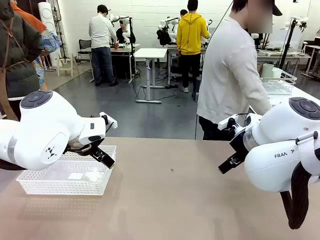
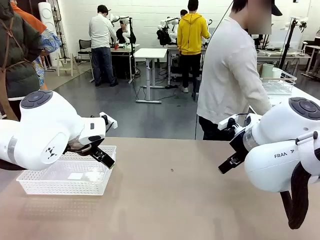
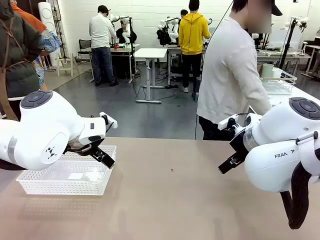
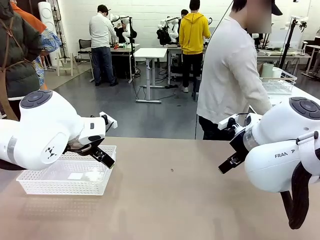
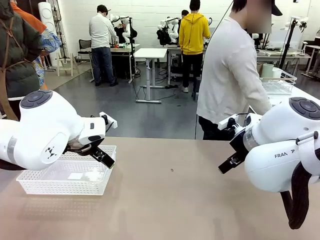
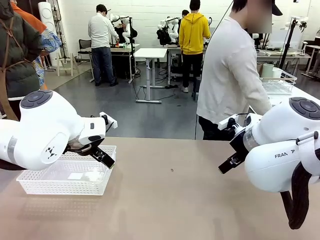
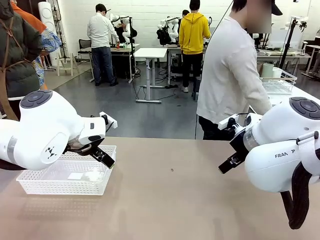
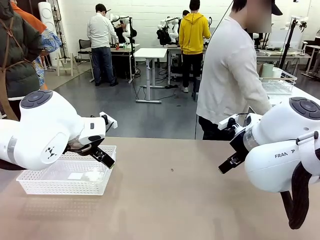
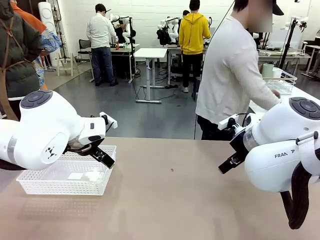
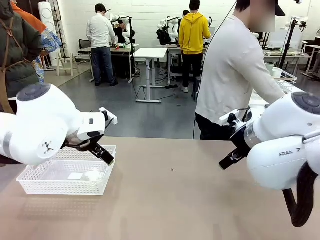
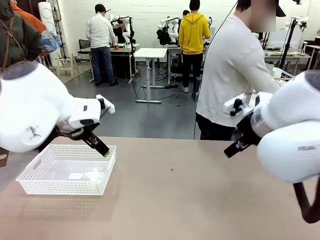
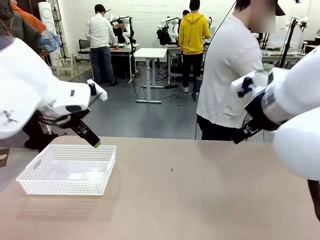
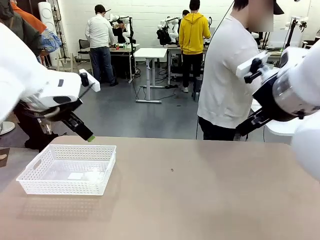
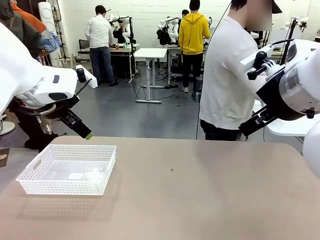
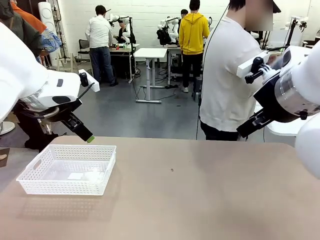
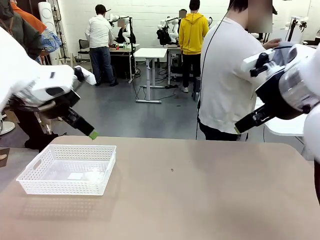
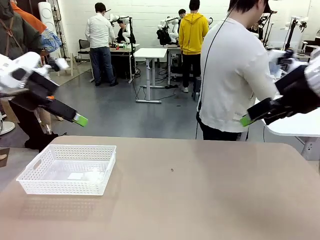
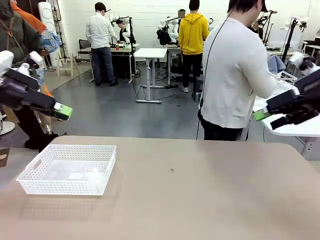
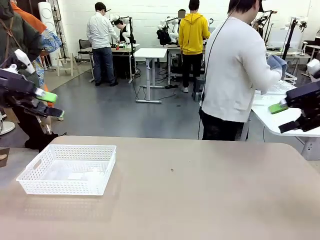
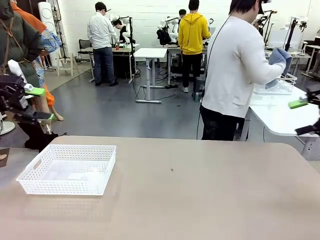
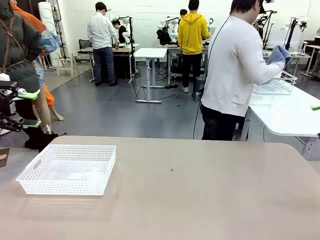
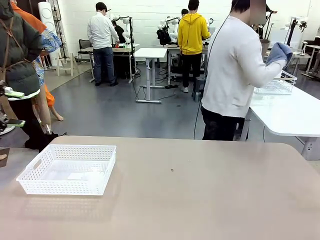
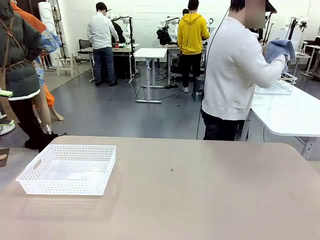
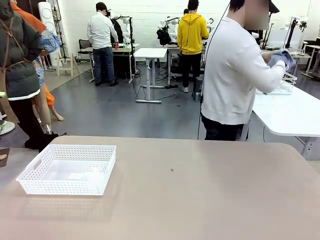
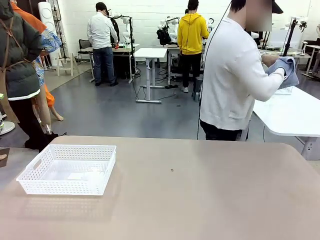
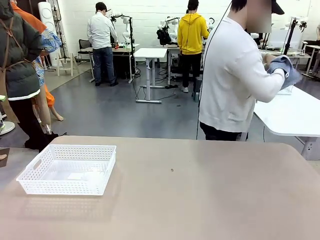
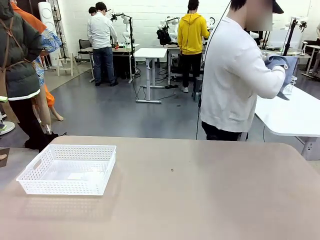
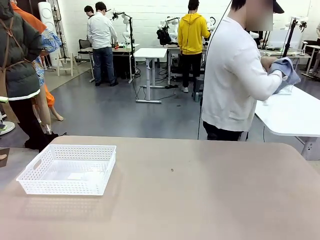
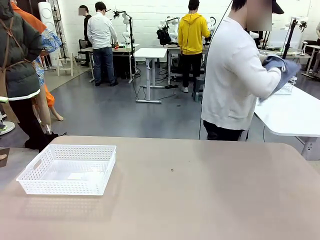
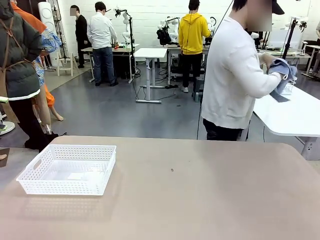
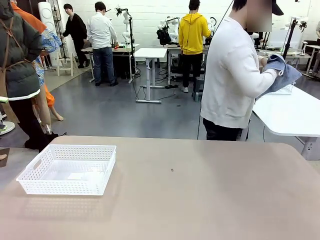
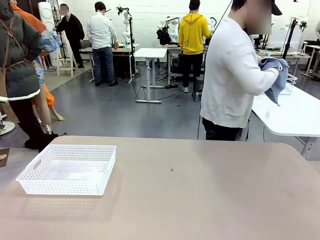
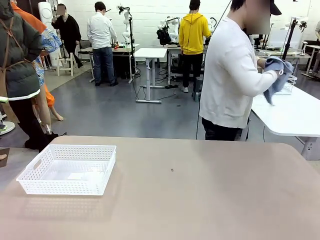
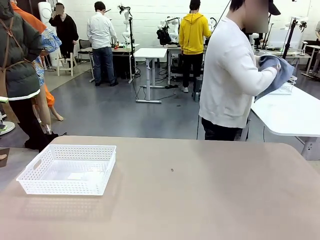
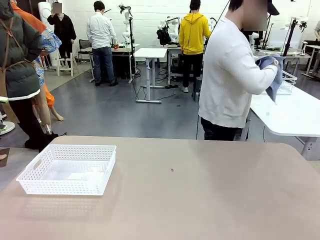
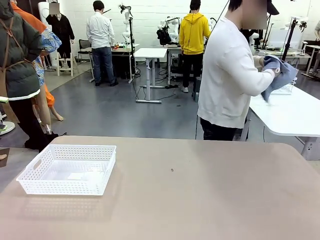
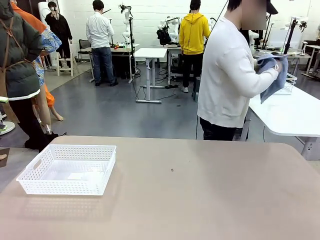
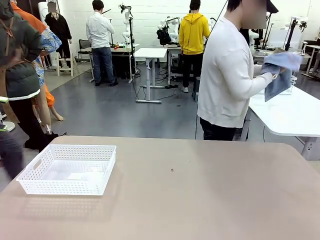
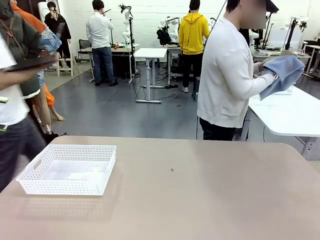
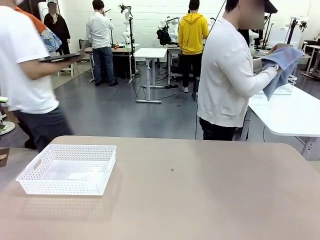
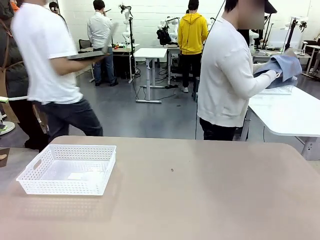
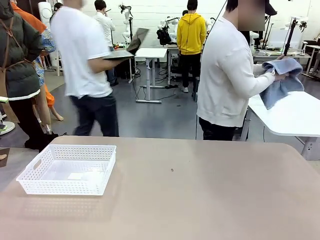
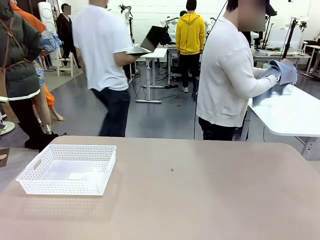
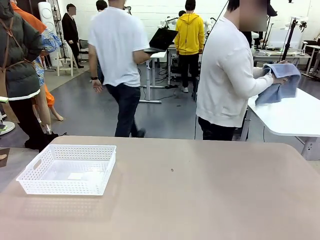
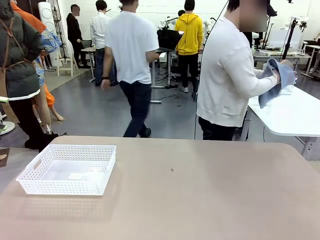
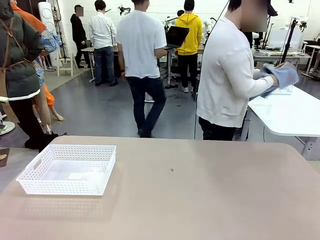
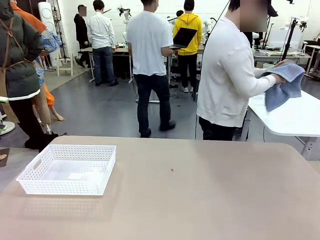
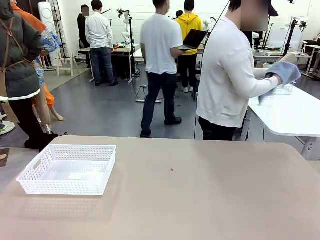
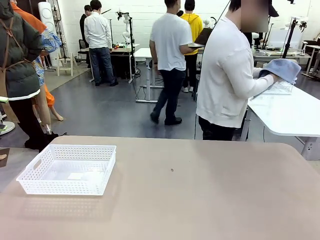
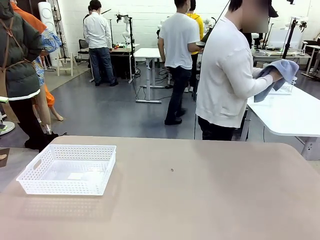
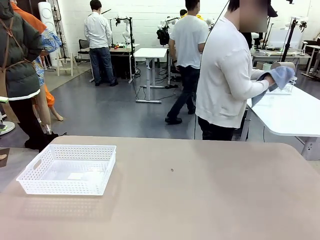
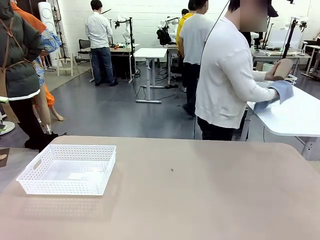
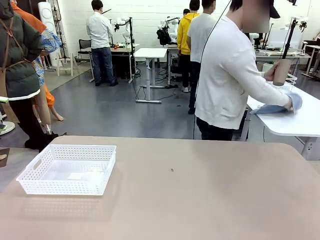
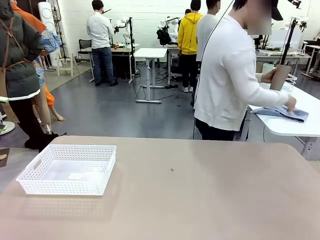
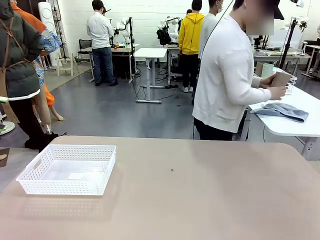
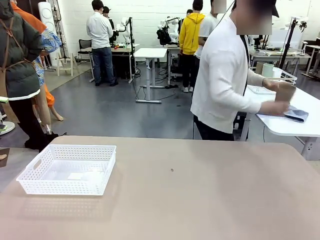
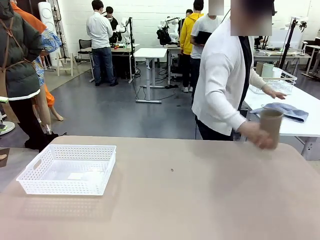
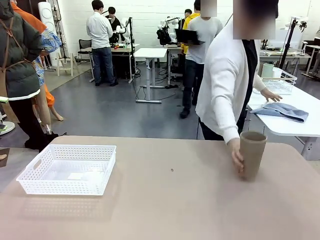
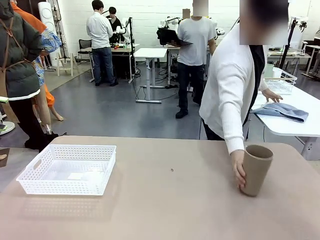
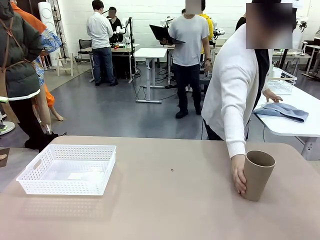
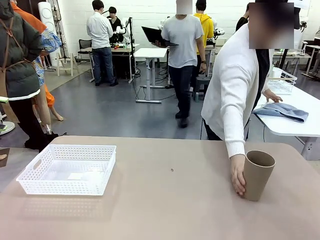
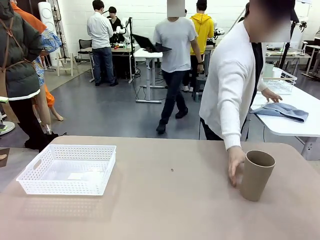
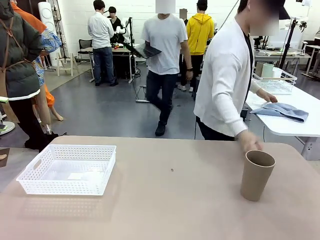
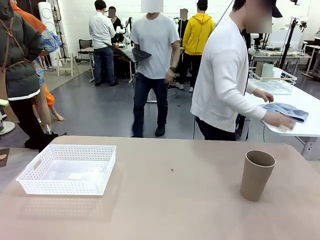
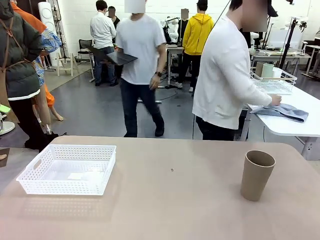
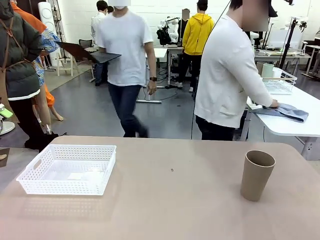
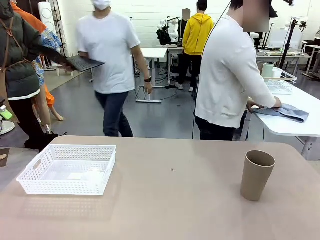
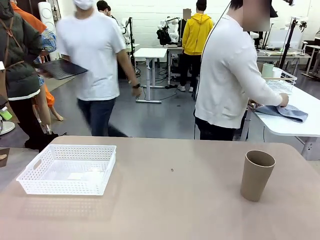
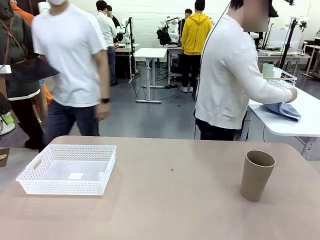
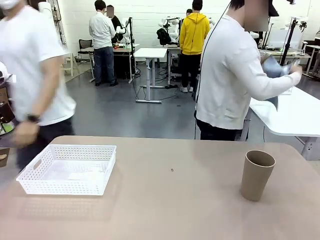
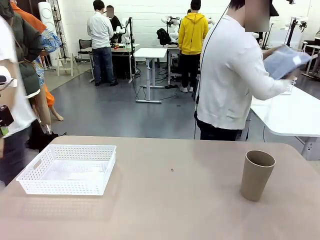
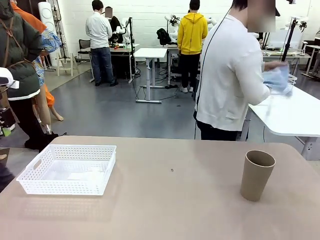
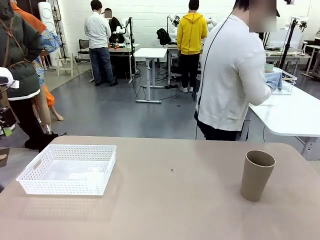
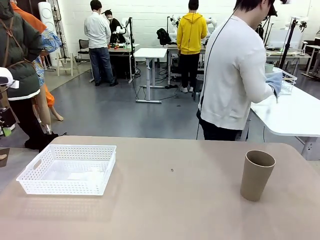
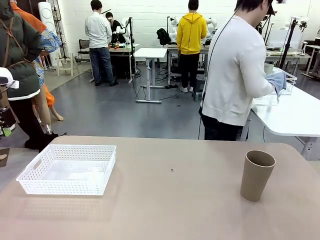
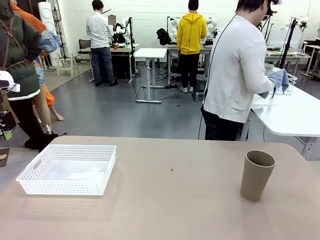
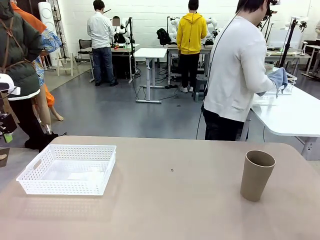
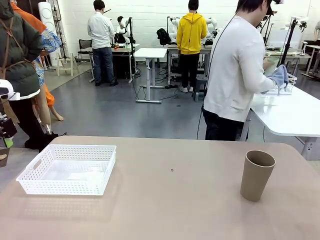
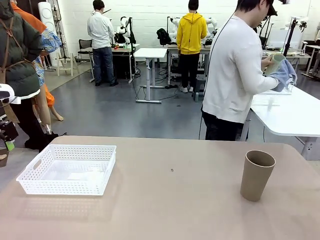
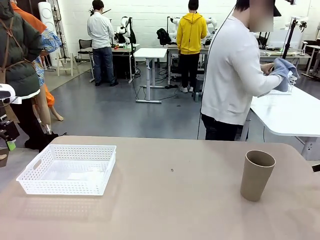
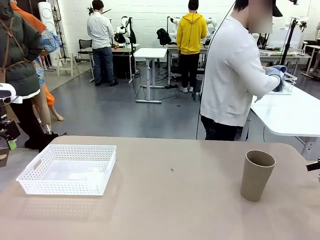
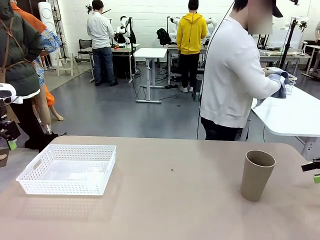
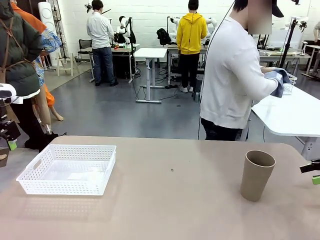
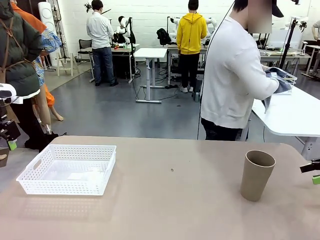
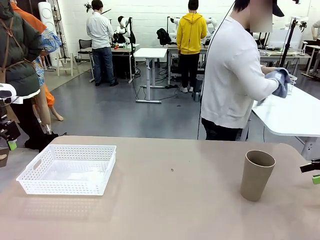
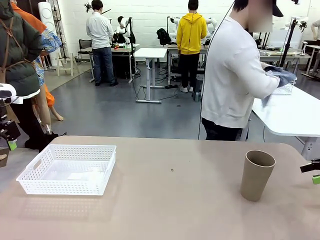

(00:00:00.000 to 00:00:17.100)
Task: Clean and organize the cups into the basket.
Robot: Pick up the Organizing basket and move it to the center of the table, then pick up the Reusable plastic cup from the right side of the table and place it inside the Organizing basket.
Person: Picks up a cup and a towel, cleans the cup with the towel, and places it on the left side of the robot table.
